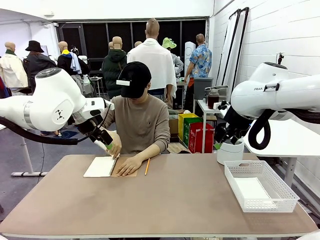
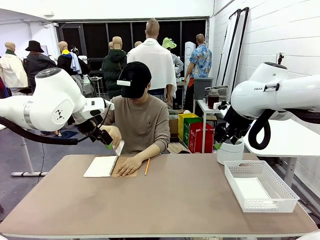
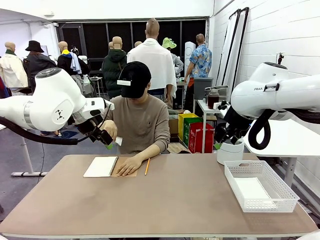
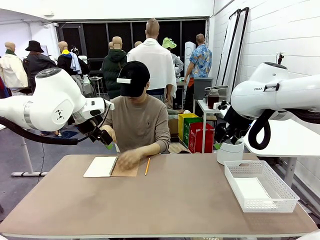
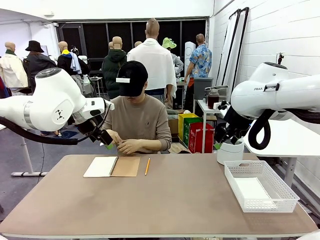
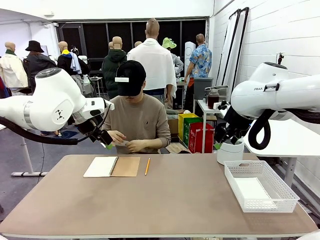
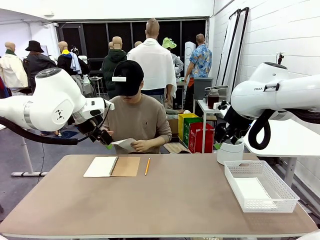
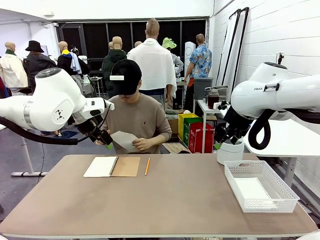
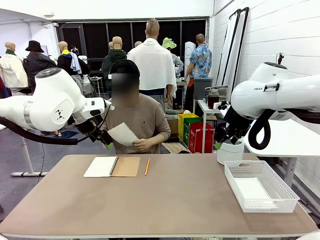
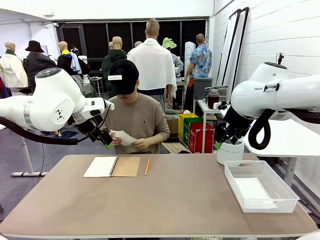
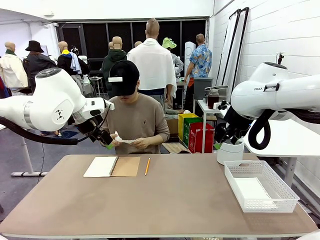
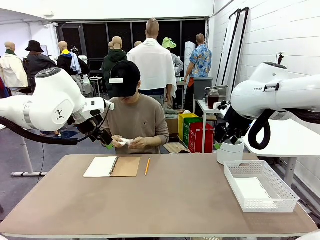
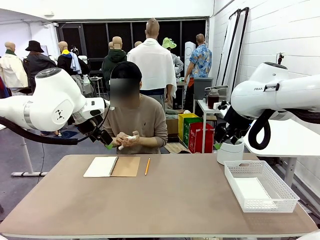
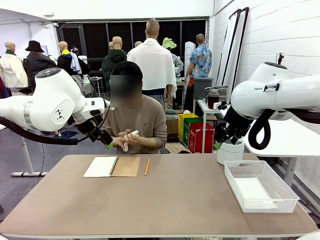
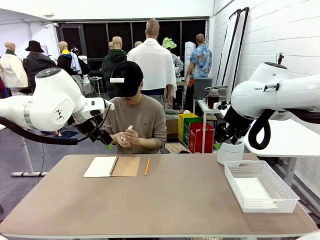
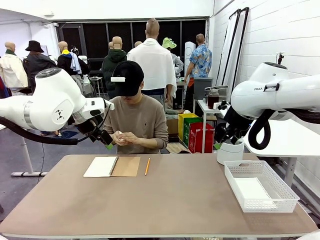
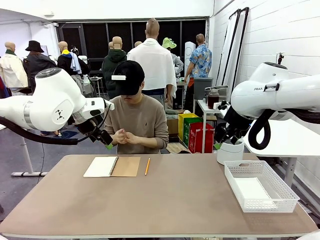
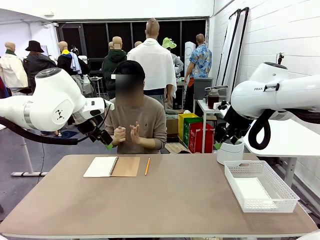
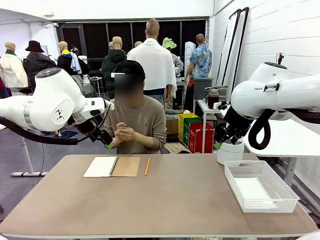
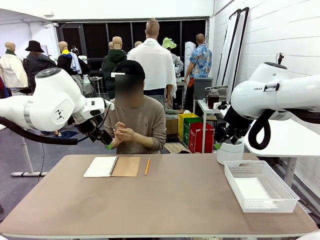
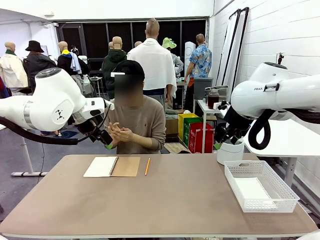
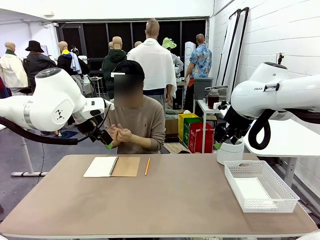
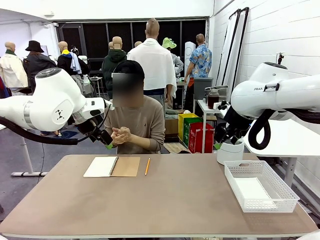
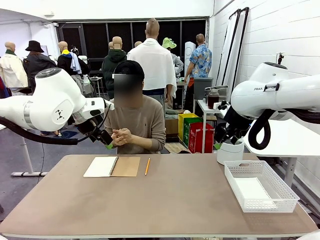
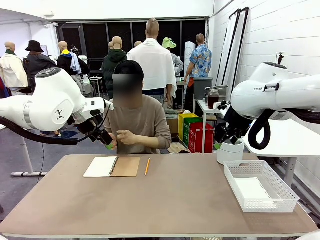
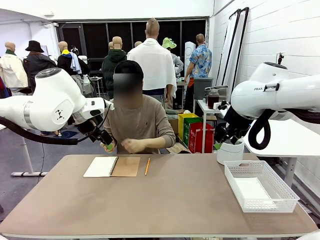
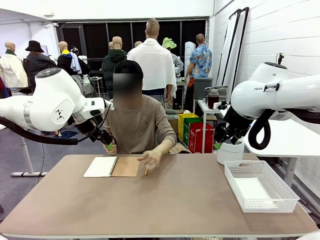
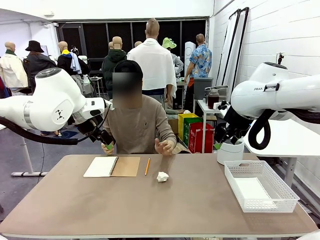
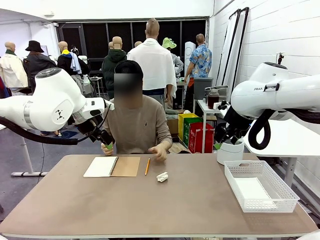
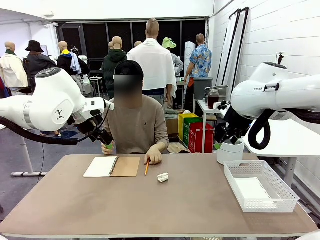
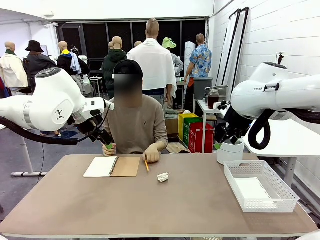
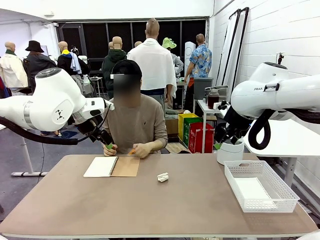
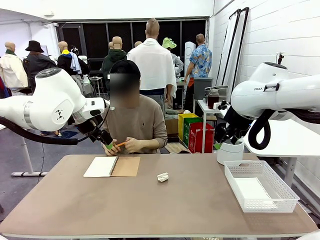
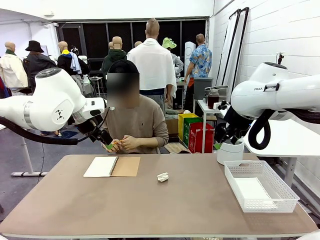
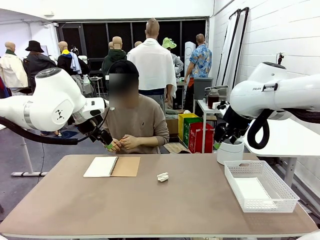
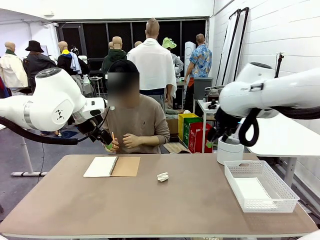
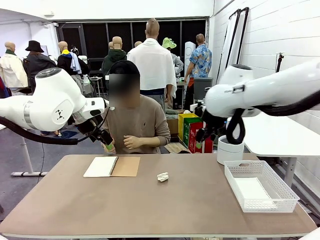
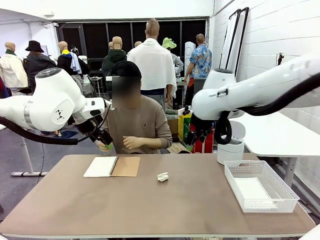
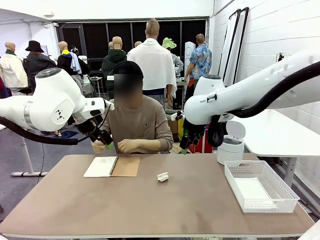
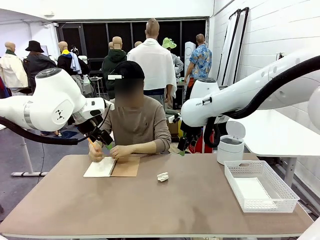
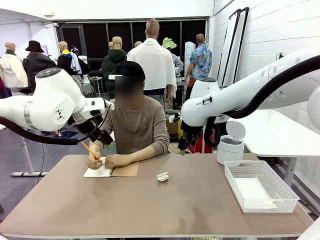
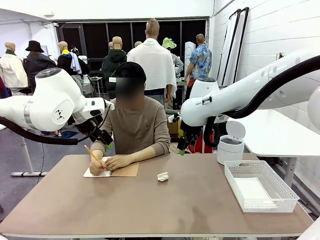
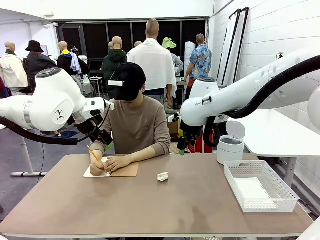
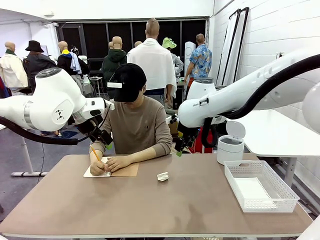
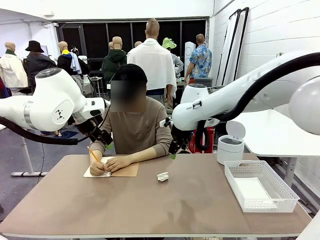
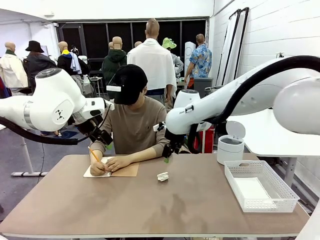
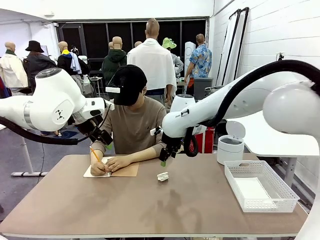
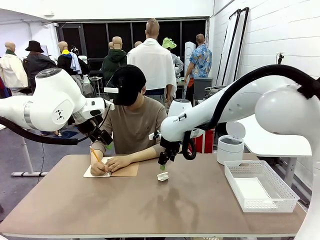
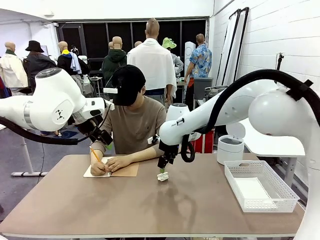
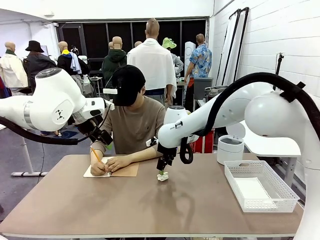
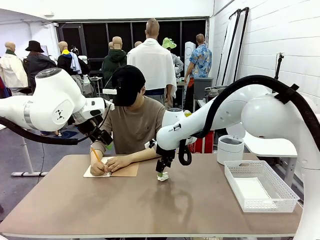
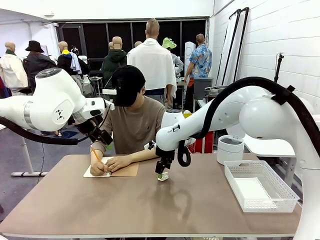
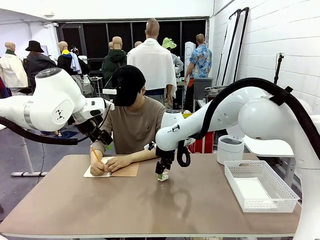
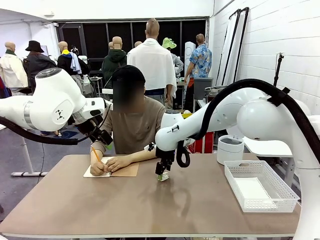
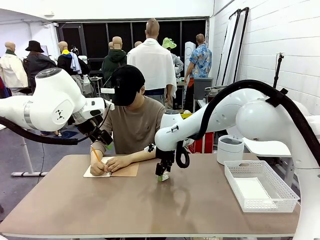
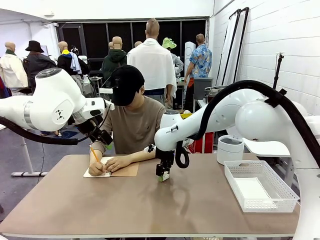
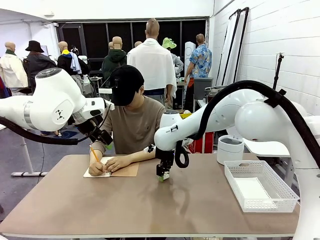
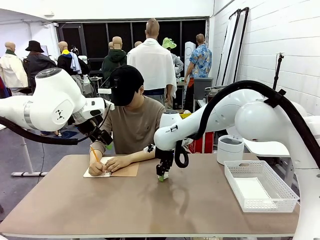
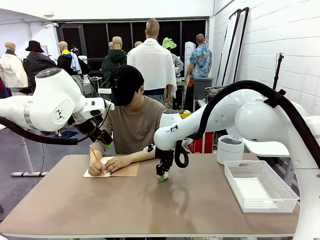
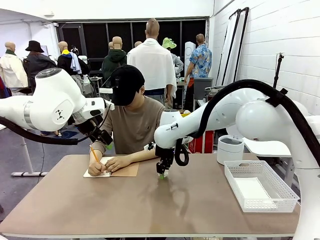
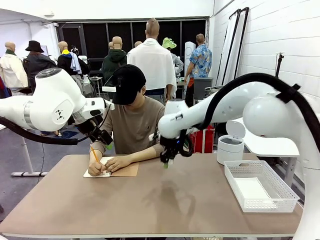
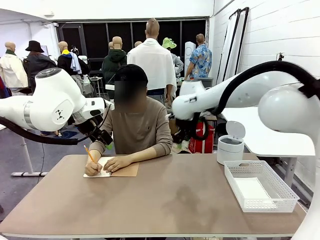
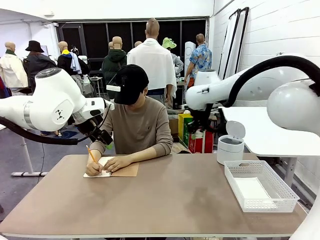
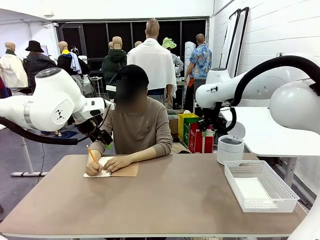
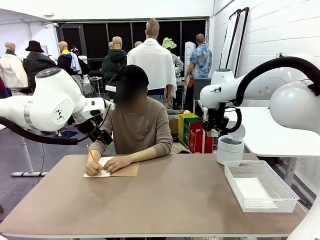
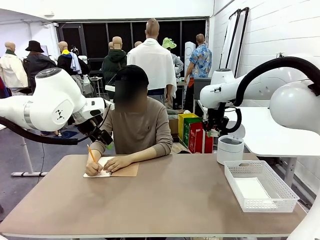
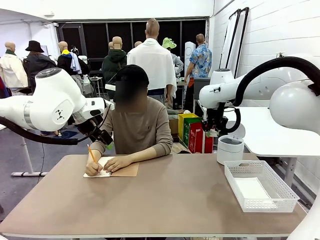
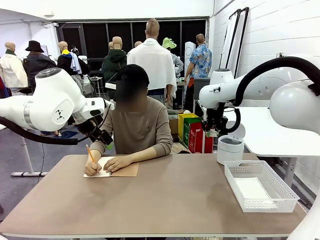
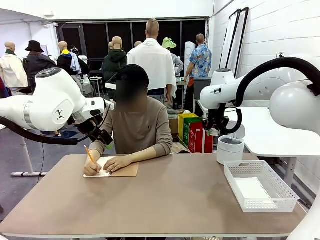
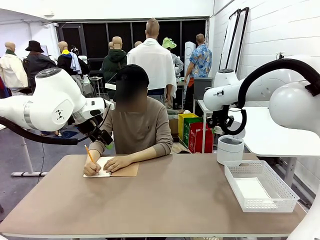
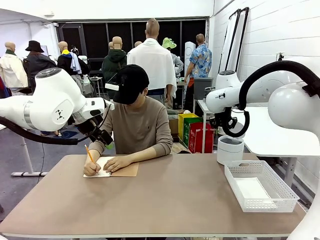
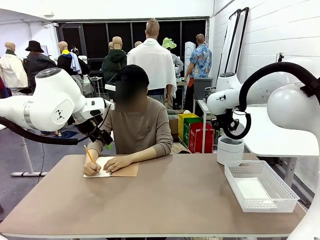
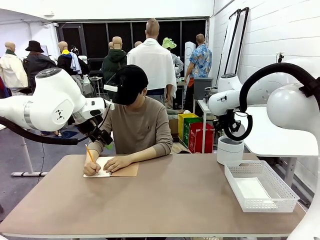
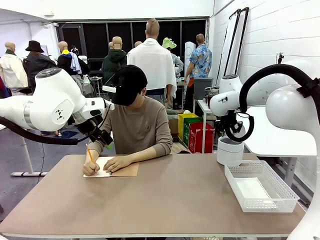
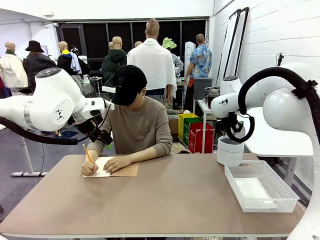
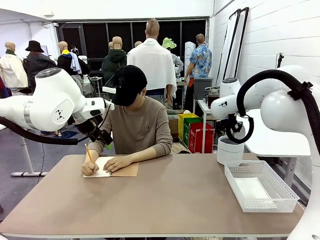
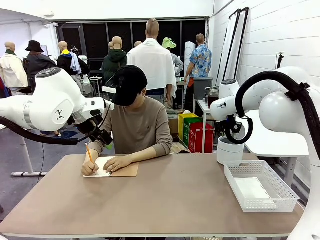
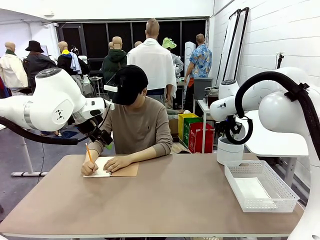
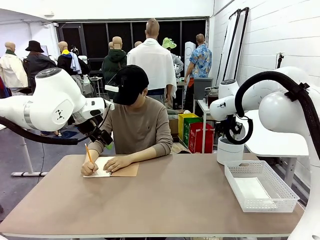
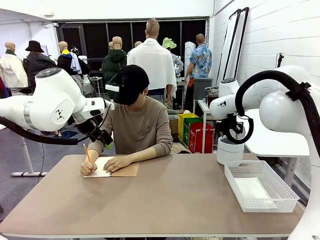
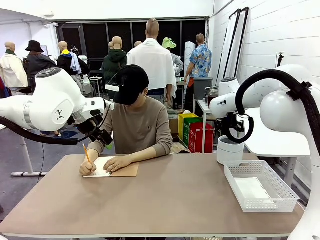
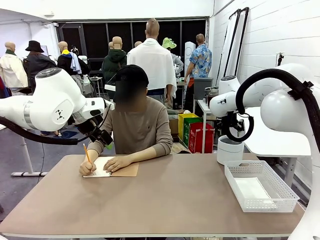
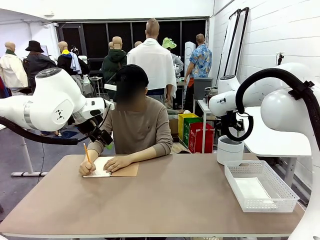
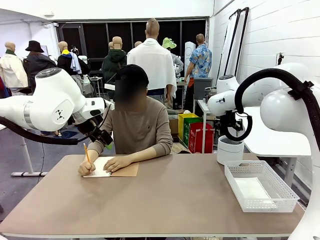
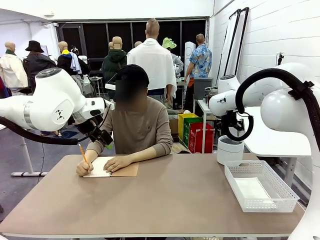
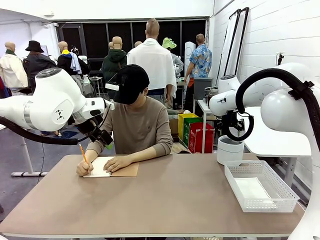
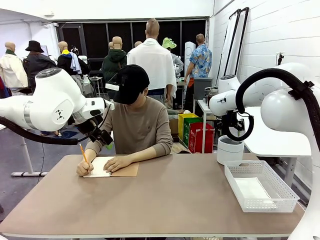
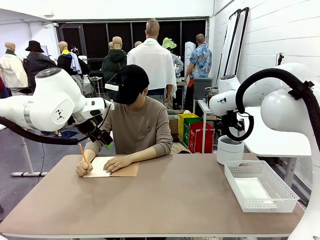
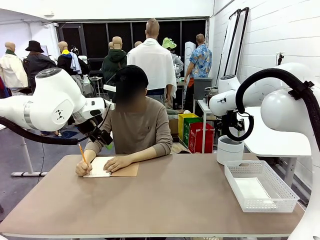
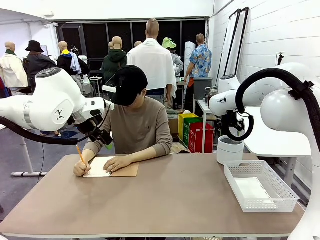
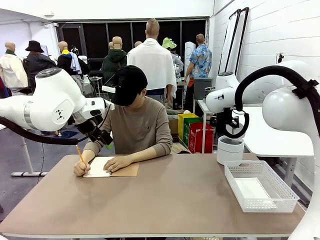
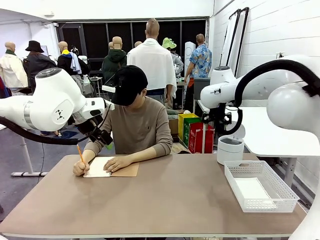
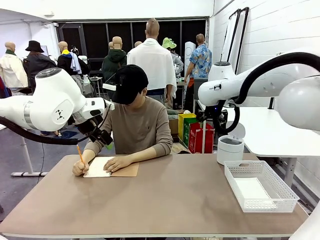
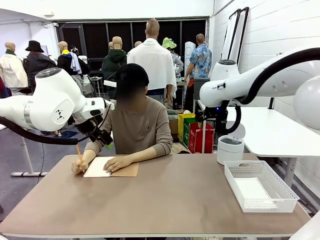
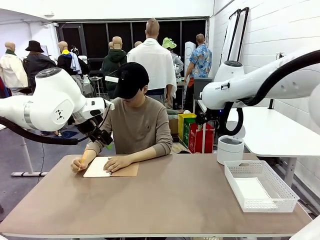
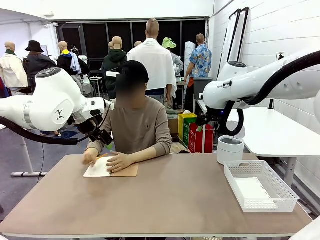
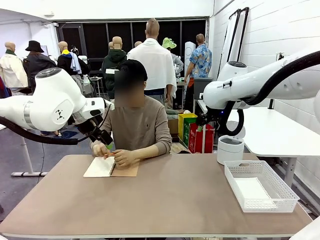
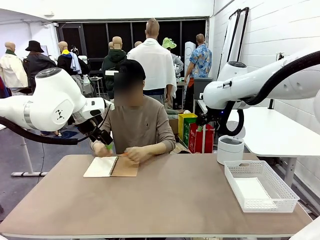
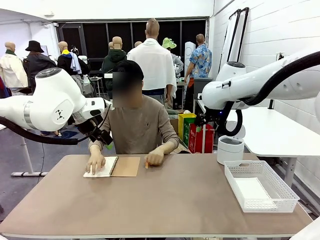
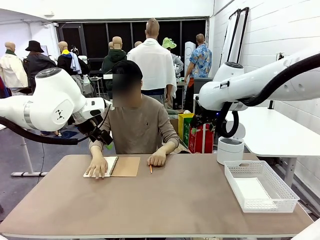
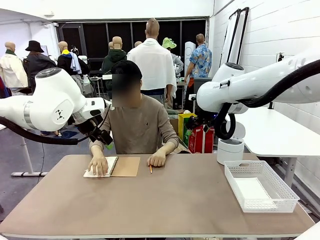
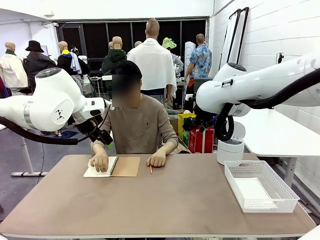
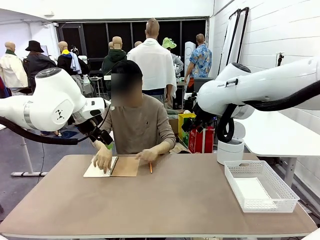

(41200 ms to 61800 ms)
Task: Sort the paper based on its condition.
Robot: If a person hands you a paper, place it in the Organizing basket , and if it's crumpled, put it in the Trash can.
Person: Hand the torn page to the robot or crumple it and throw it to the center of the table. Tear out a page from the spiral notebook.
